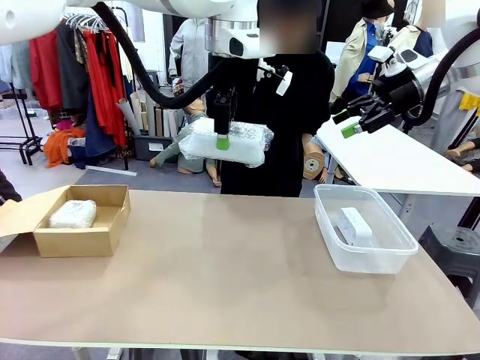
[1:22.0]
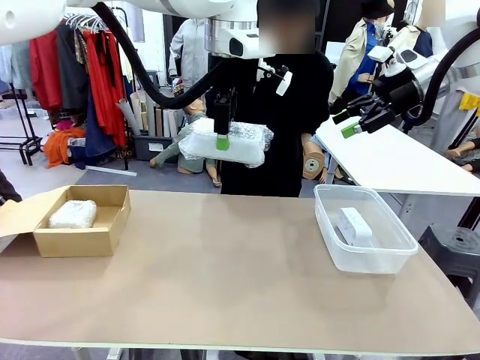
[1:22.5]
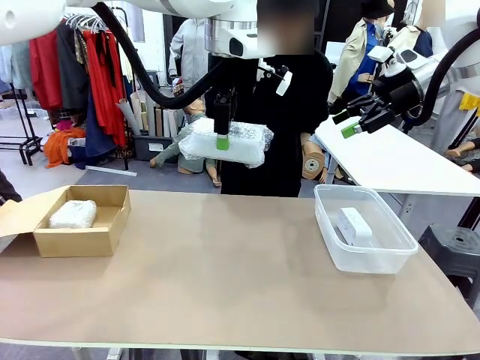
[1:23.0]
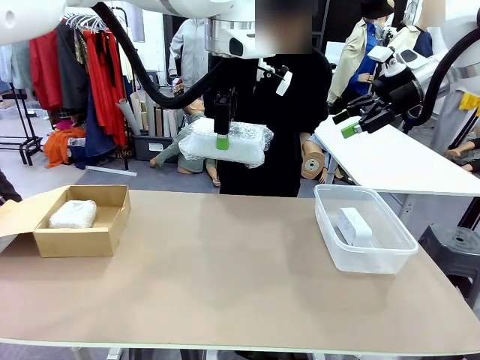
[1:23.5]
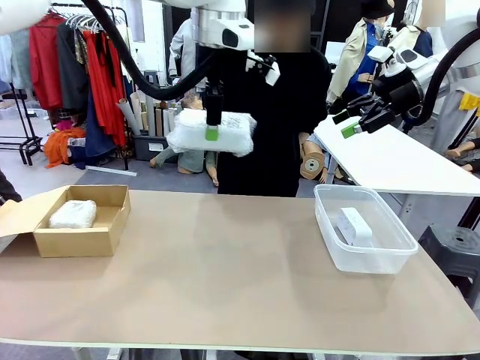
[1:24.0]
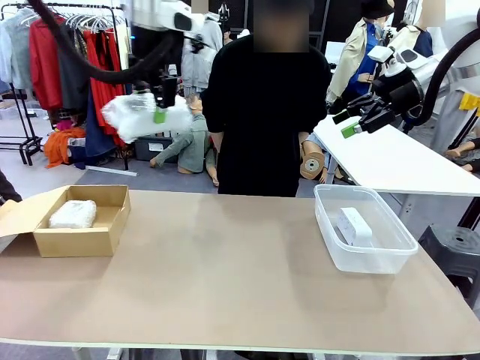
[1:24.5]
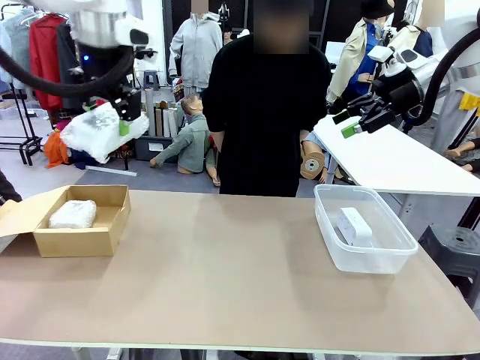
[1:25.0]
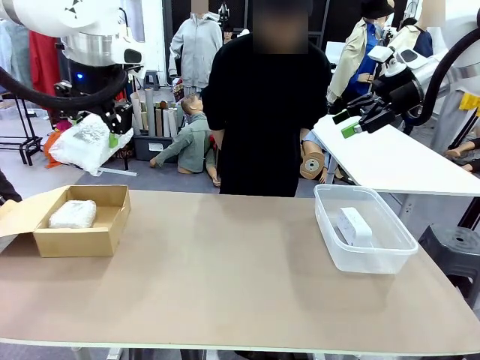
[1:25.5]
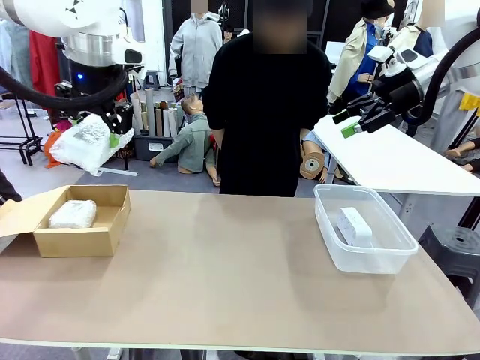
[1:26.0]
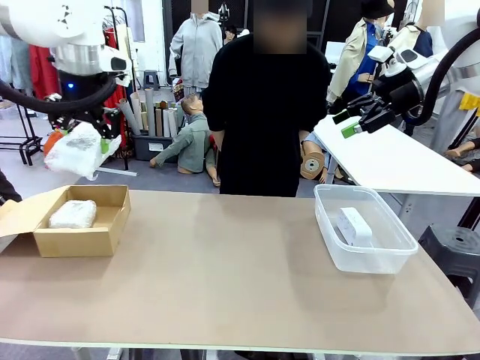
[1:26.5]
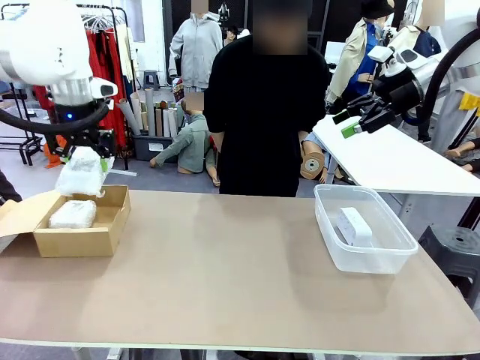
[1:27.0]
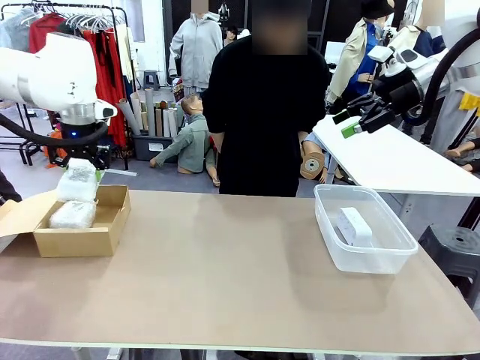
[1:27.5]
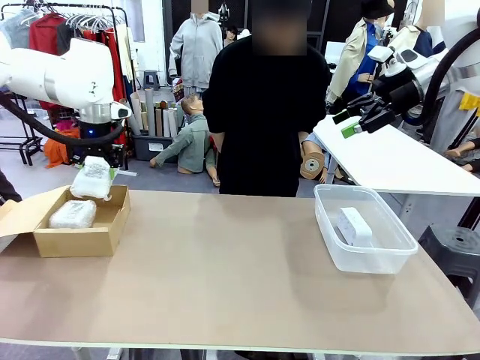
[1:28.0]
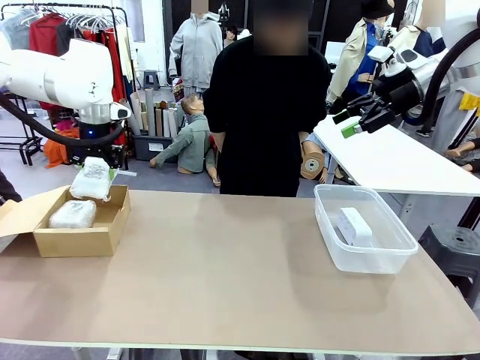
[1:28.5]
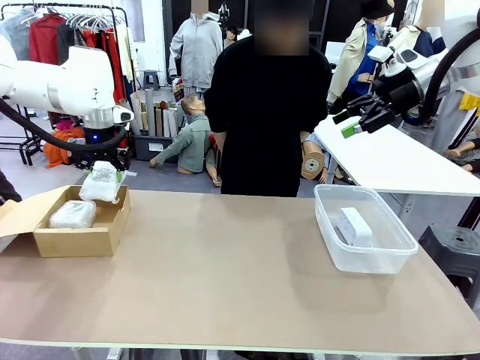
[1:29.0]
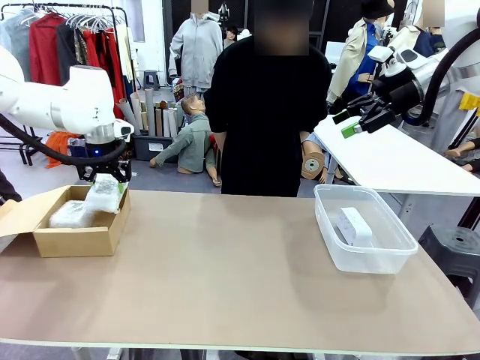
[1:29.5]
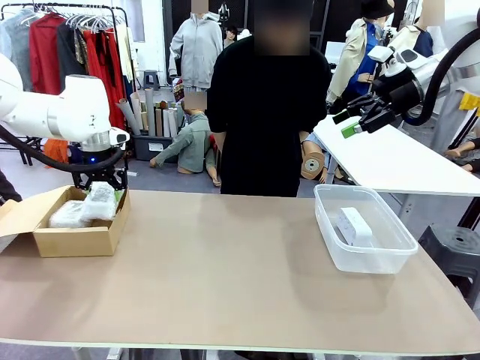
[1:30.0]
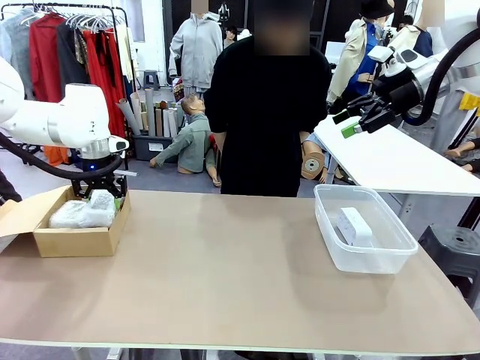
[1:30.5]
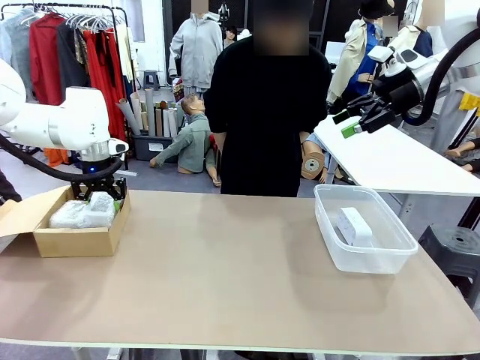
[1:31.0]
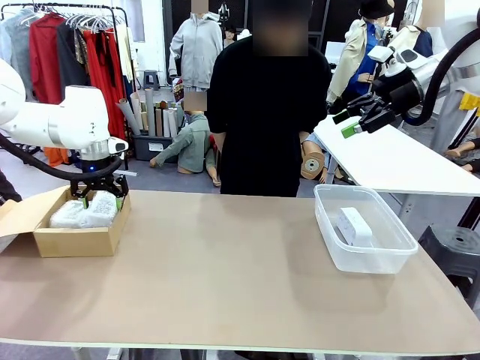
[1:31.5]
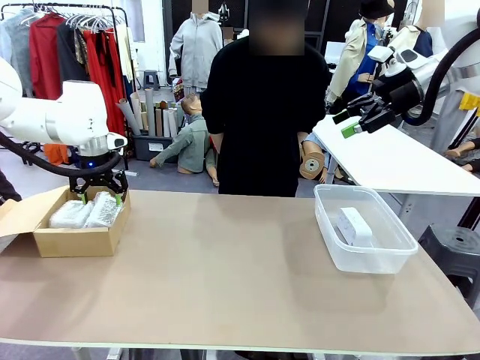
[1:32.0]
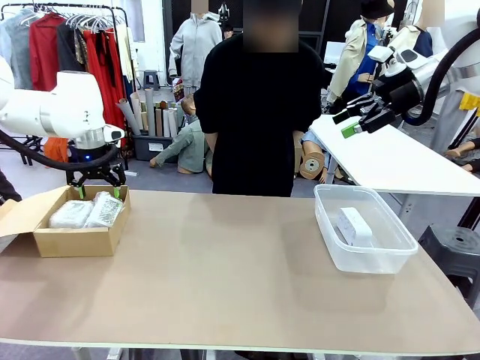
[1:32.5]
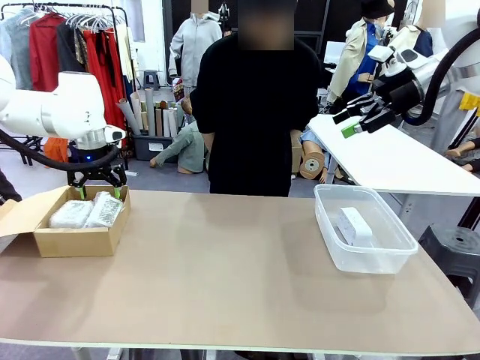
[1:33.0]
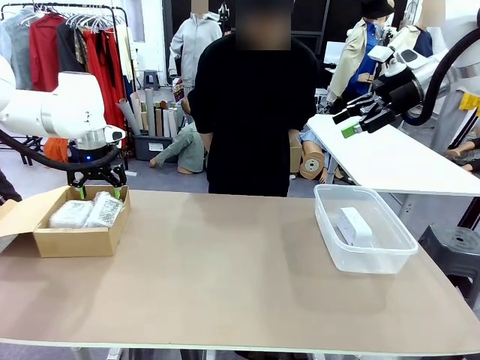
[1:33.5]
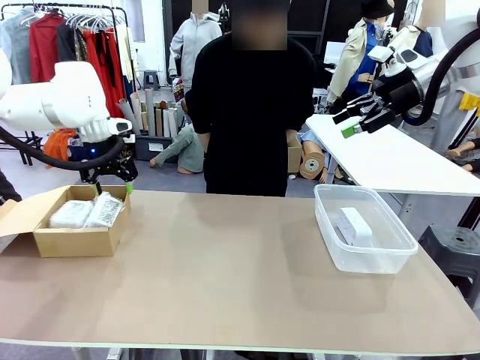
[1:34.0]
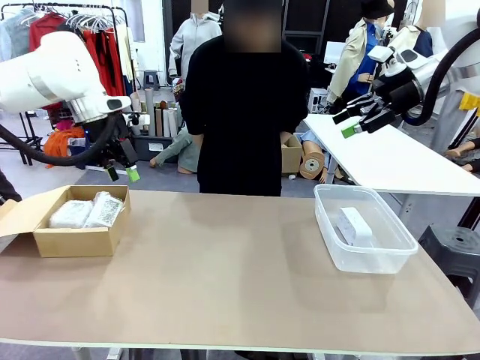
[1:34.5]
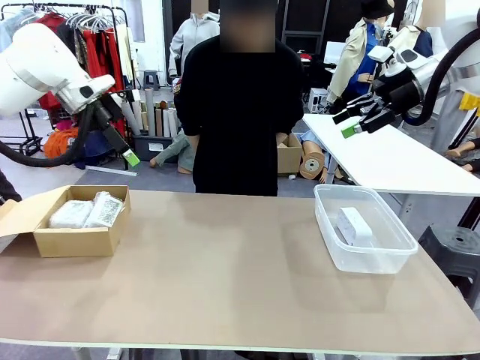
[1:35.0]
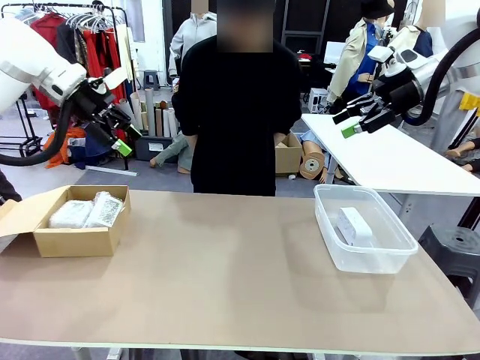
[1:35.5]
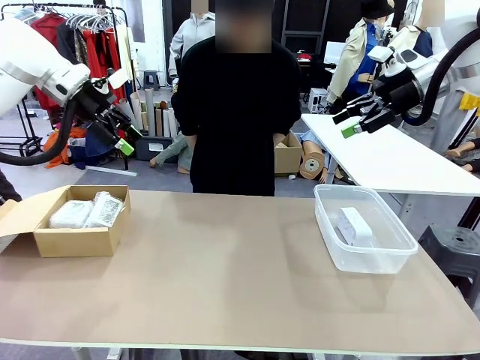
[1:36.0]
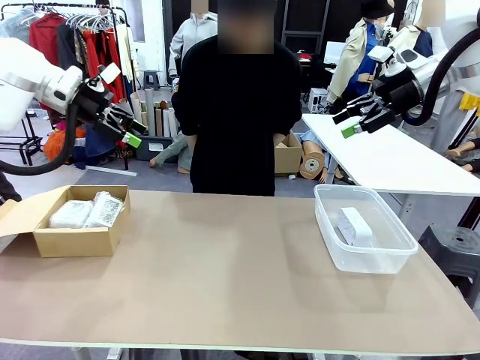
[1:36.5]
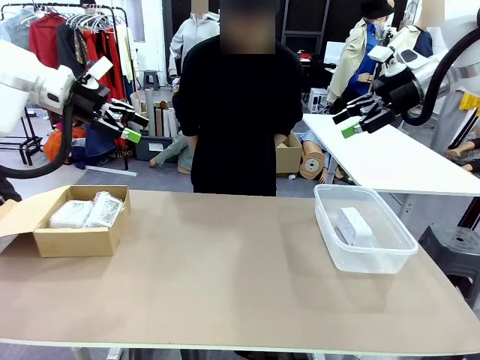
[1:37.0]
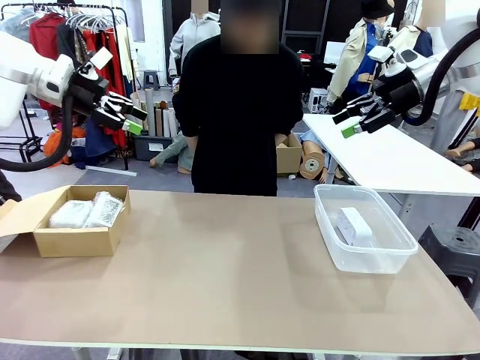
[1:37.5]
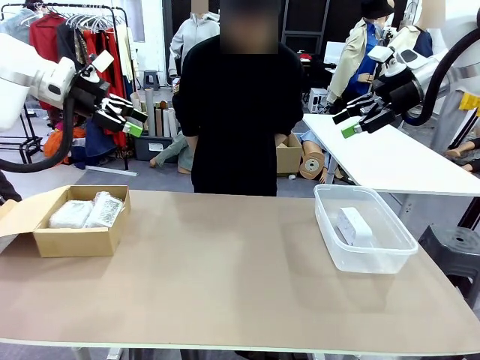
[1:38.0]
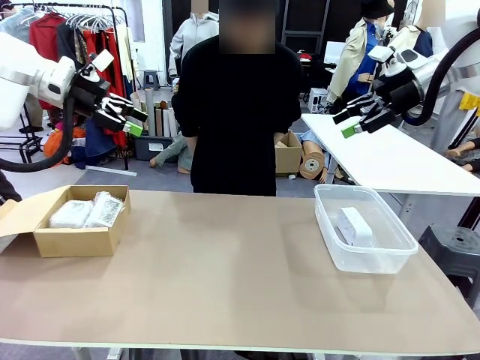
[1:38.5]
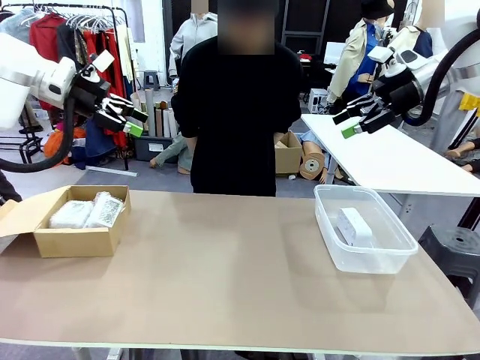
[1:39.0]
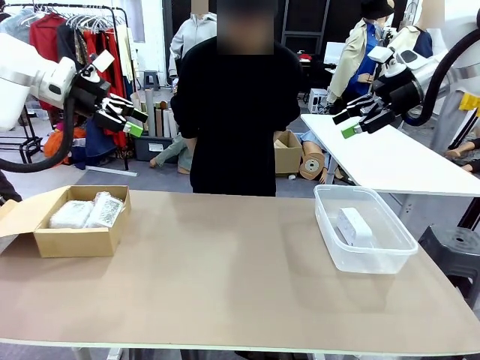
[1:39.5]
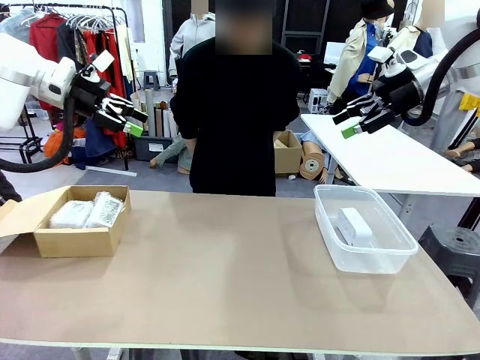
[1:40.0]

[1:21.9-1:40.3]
Task: Separate and place wrapped and unwrapped clocks.
Robot: If the picked Digital clock is wrapped, place it in the Package Box ; if not, place it in the Organizing box.

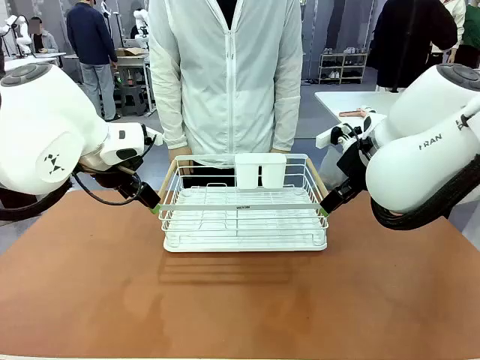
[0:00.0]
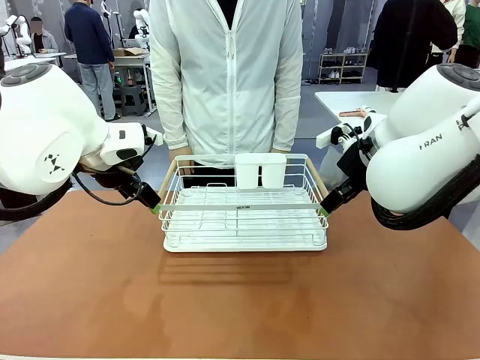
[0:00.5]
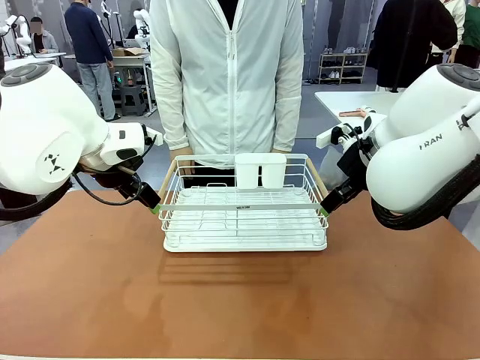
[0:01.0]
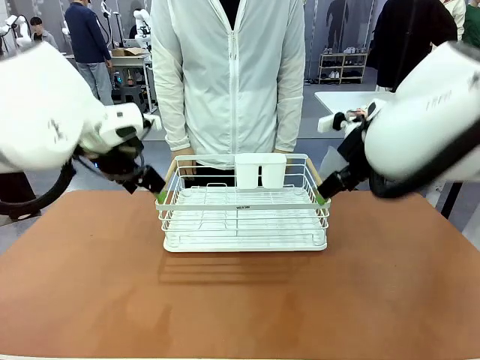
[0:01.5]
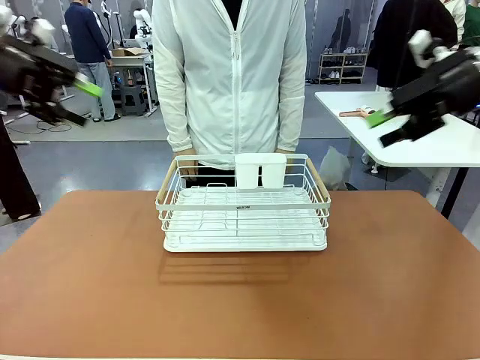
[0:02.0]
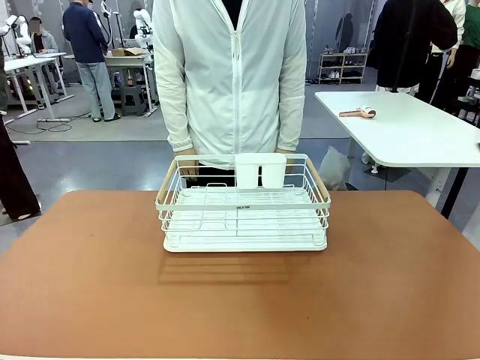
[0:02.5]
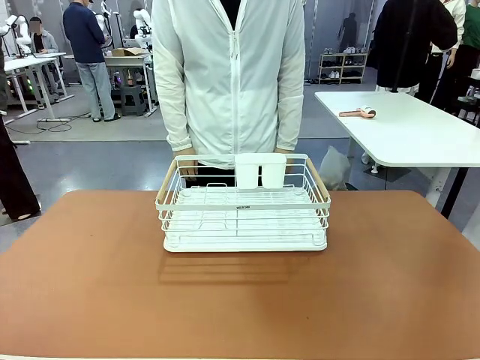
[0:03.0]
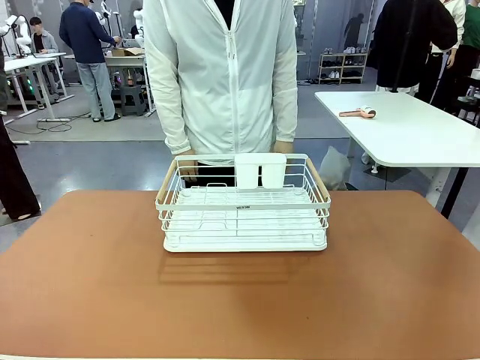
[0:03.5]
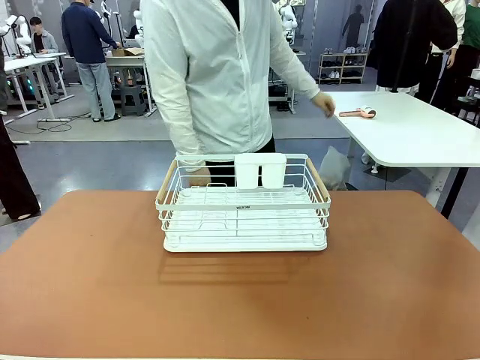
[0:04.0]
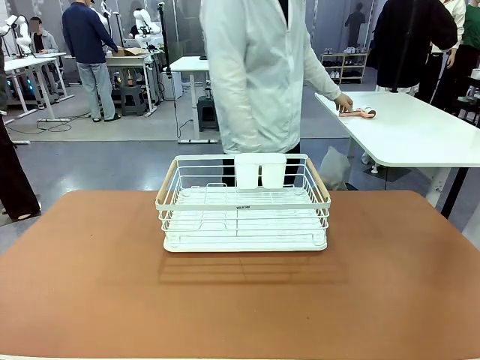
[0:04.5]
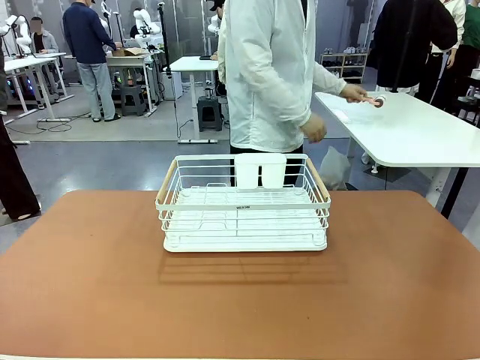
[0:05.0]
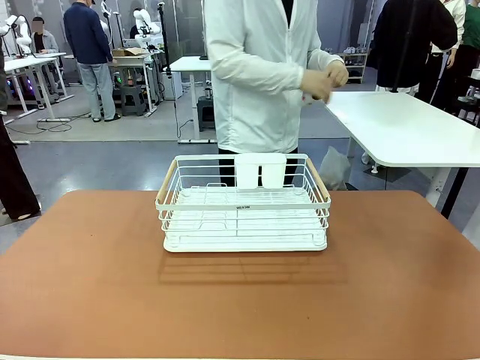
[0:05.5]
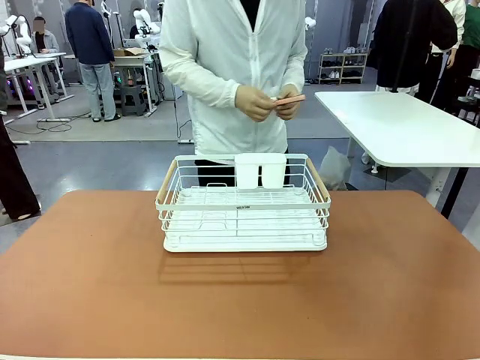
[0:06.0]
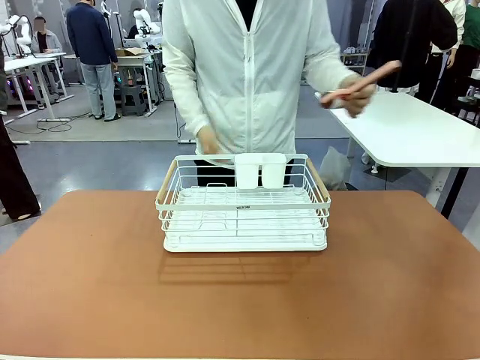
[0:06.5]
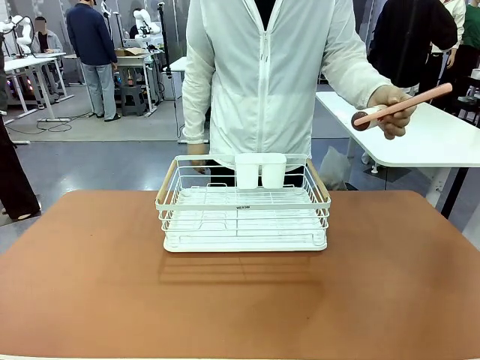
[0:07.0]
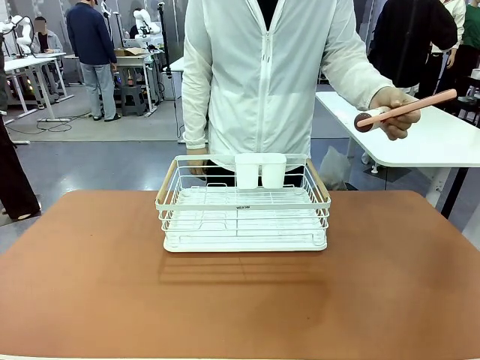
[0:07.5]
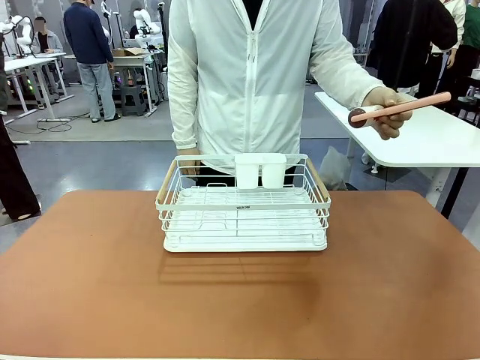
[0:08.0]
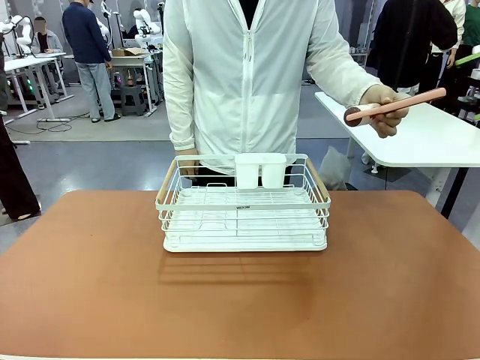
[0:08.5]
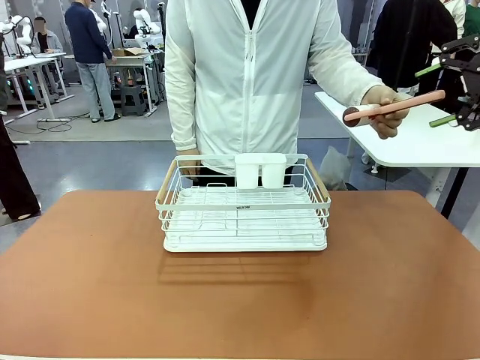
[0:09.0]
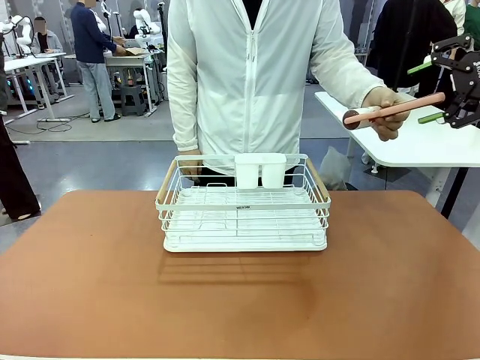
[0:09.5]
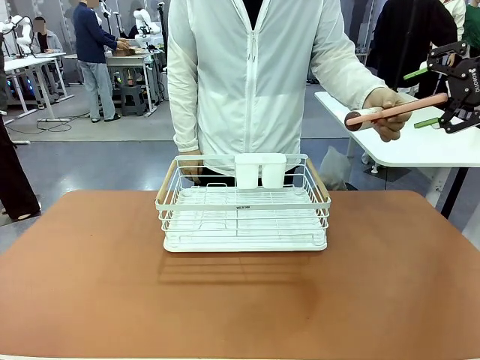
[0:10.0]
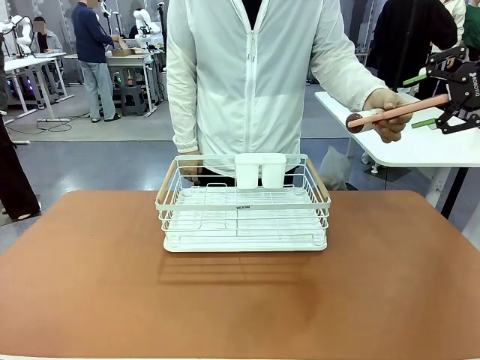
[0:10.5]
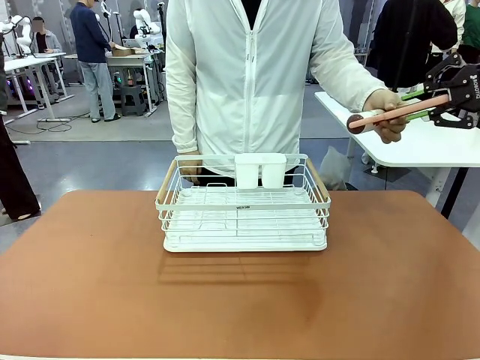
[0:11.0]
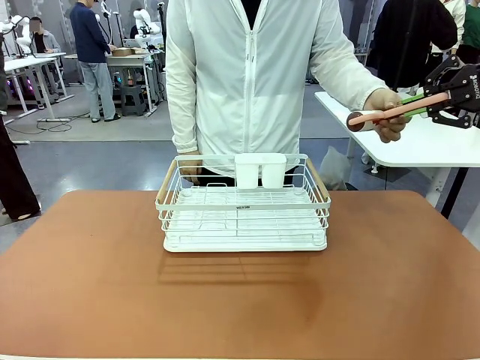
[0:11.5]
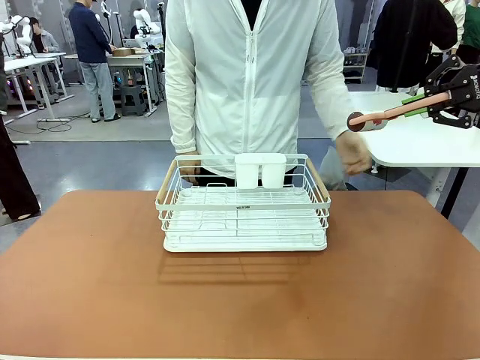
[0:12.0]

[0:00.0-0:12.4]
Task: Clean the table.
Robot: Pick up the Lint Roller when the human hands it over.
Person: Hand the Lint Roller to the robot so it can easily pick it up. Lift the Dish drying rack.
